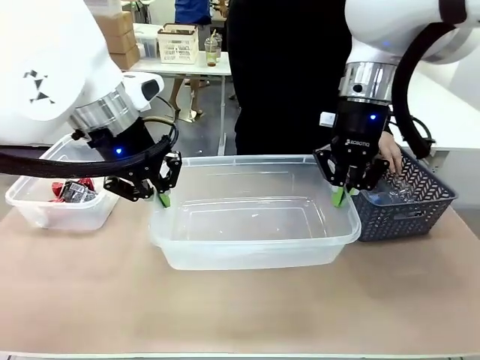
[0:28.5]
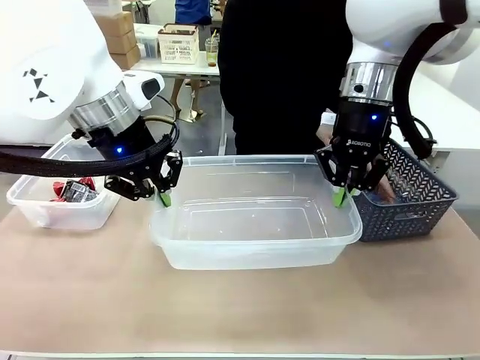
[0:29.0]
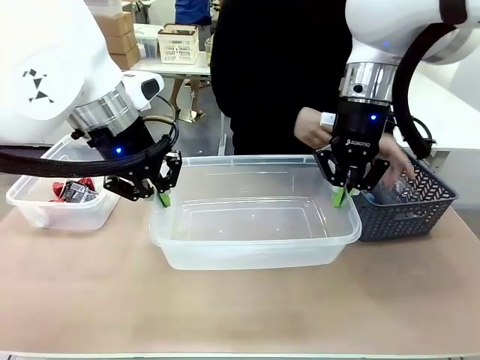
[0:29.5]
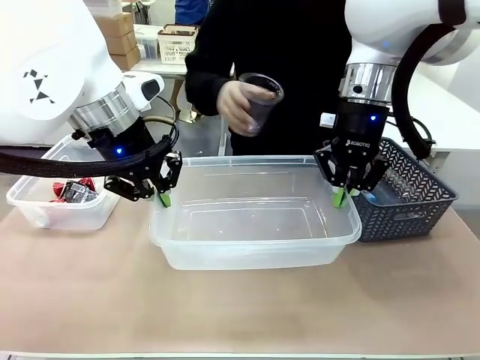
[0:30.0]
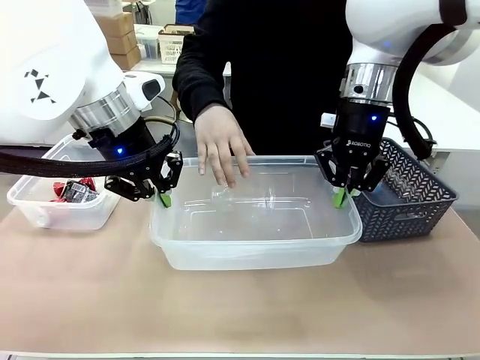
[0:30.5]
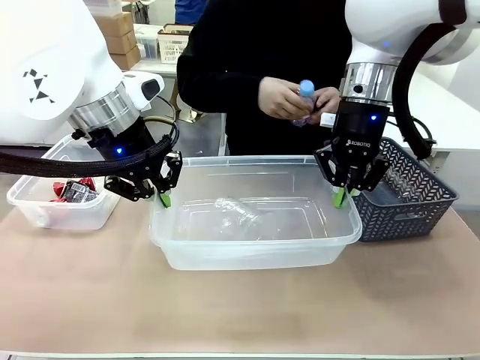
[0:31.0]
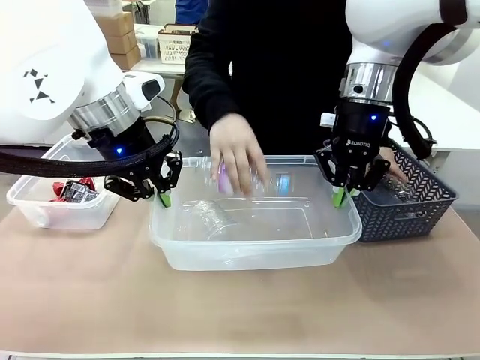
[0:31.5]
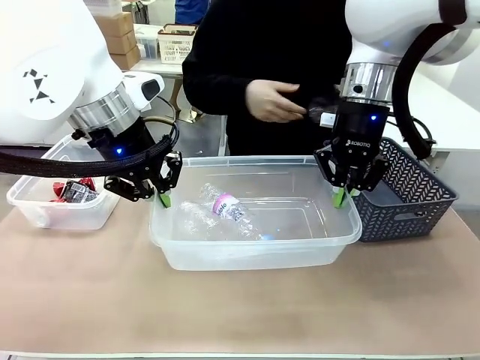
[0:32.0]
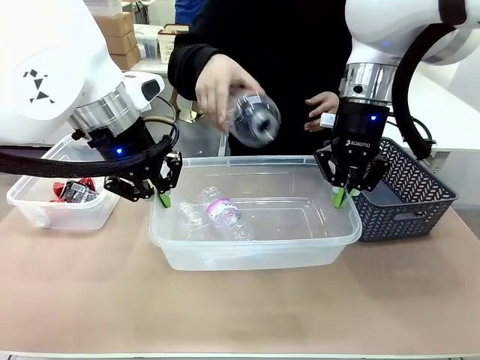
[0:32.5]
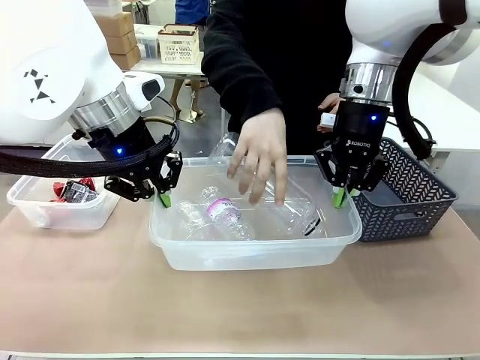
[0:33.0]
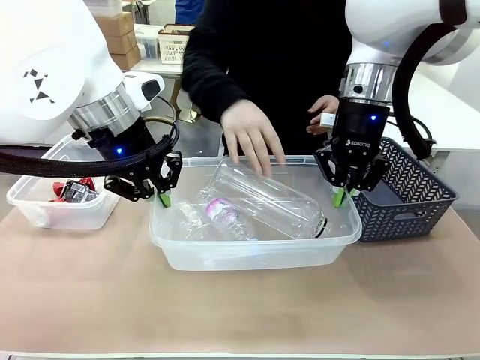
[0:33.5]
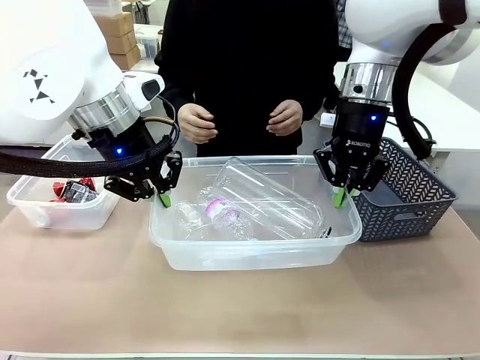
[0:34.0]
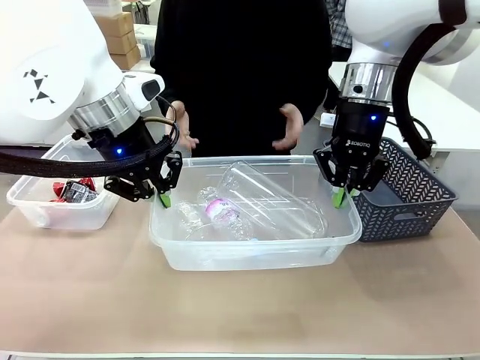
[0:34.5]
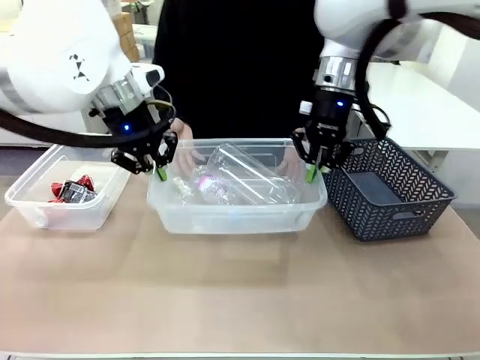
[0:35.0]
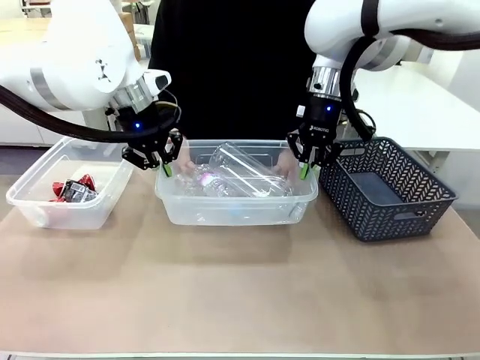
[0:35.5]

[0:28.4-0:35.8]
Robot: Offer the picked Organizing box to the human.
Person: Pick up plastic waste one by one and place it into the organizing box lifted by the robot.

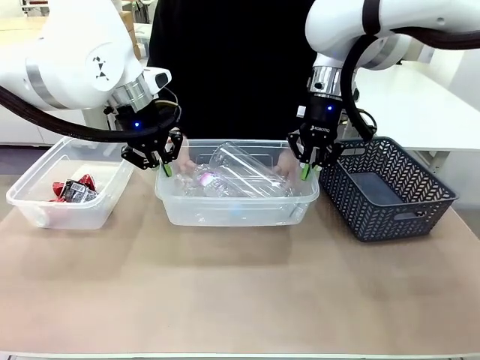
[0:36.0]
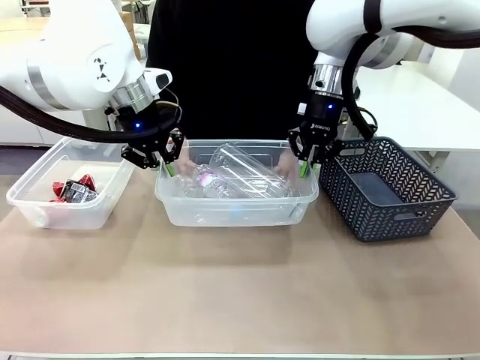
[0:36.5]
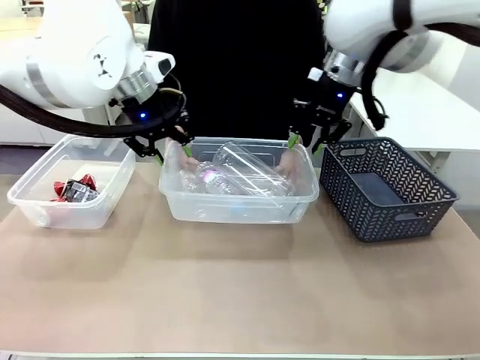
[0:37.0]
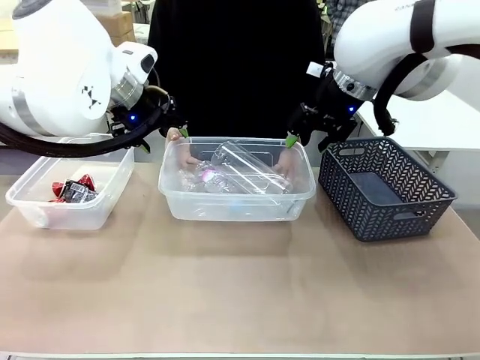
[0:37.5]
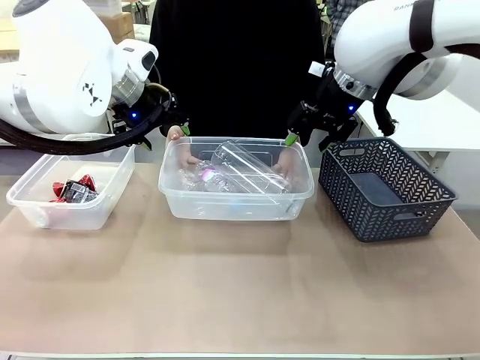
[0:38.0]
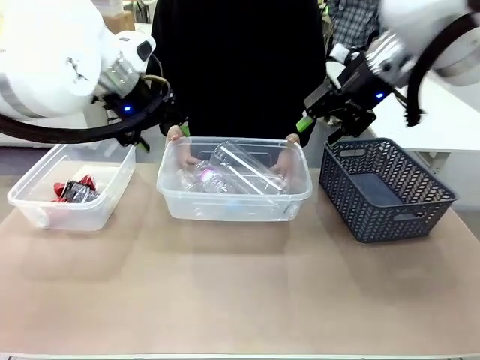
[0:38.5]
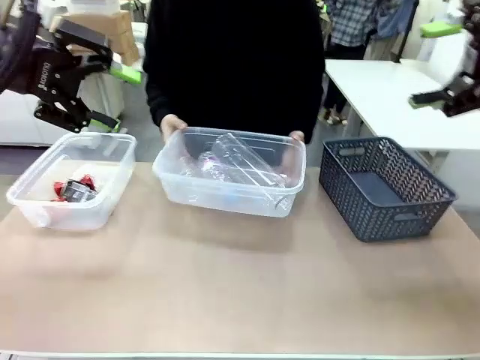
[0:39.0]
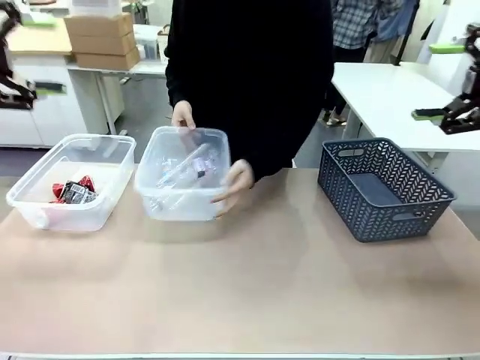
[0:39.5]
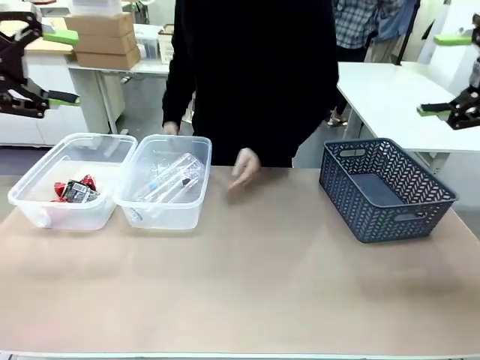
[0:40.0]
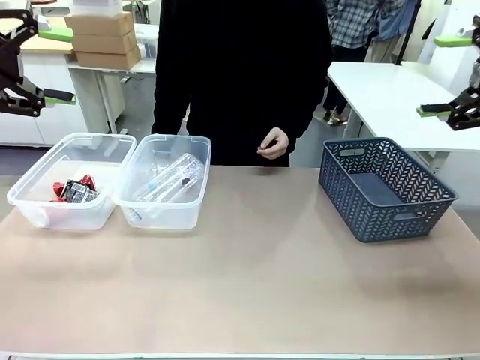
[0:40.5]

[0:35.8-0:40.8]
Robot: Release the Organizing box you were holding.
Person: Pick up the organizing box extended by the robot. Place the organizing box to the left of the sorting box containing the can waste.

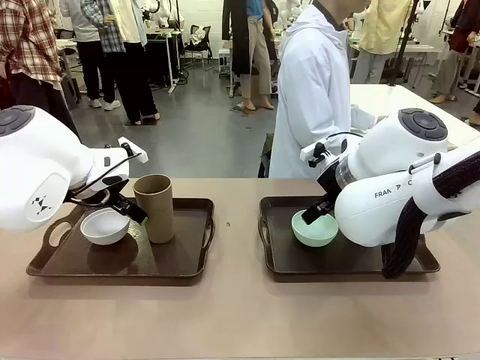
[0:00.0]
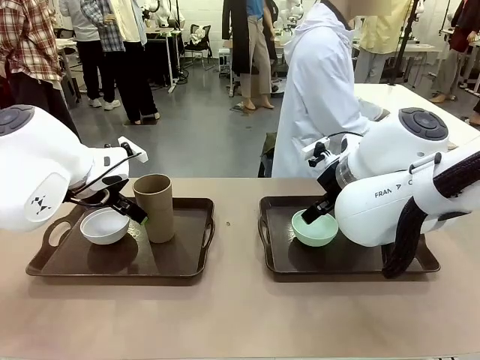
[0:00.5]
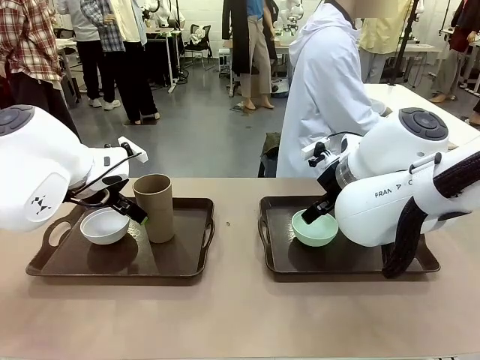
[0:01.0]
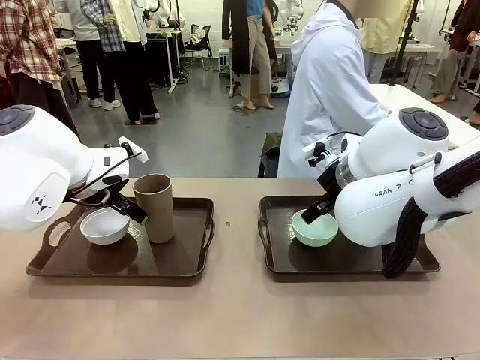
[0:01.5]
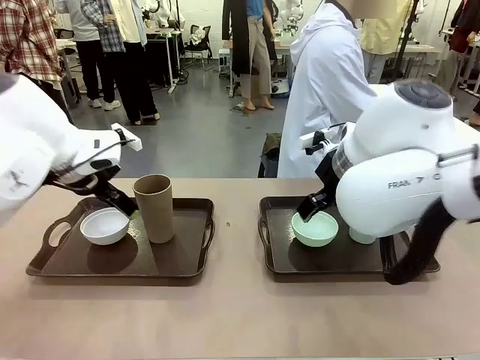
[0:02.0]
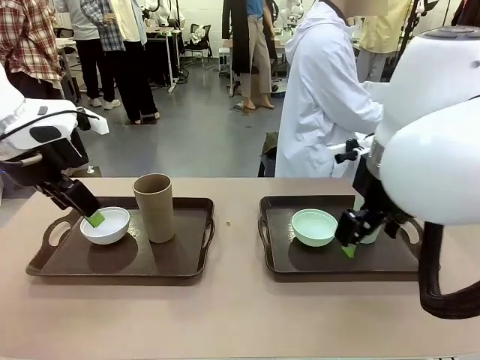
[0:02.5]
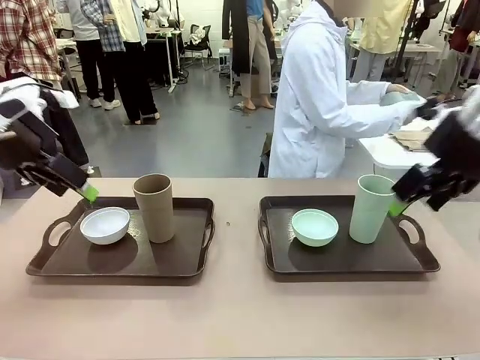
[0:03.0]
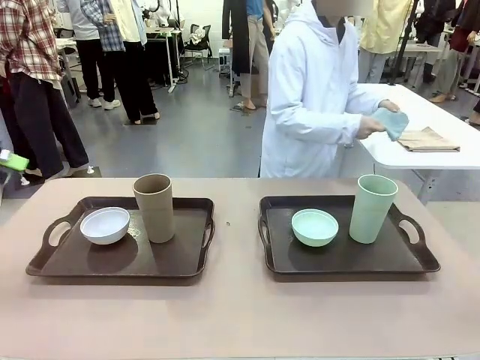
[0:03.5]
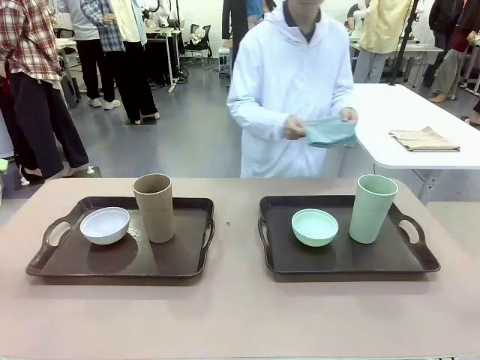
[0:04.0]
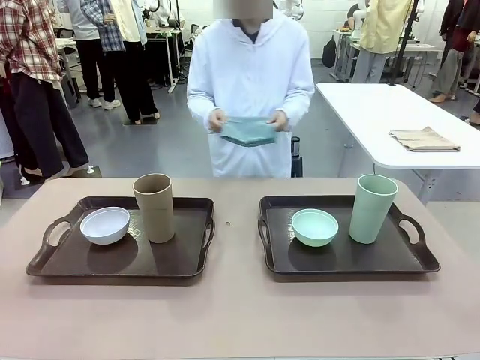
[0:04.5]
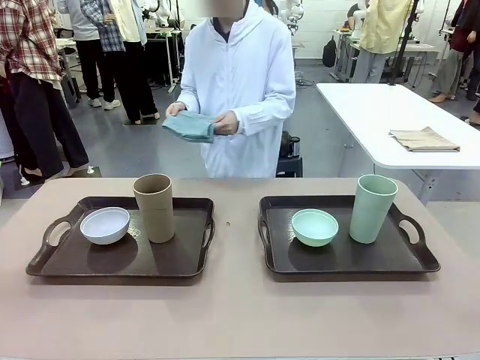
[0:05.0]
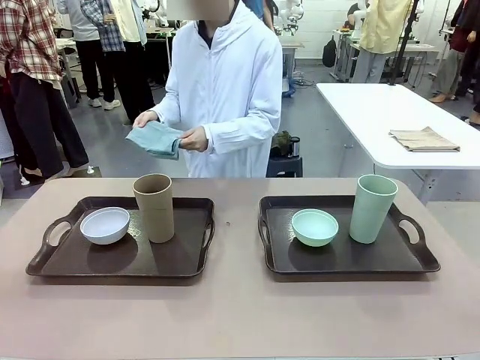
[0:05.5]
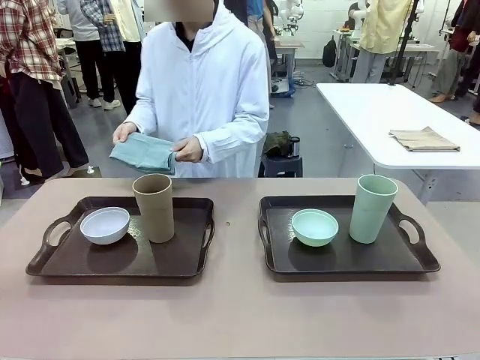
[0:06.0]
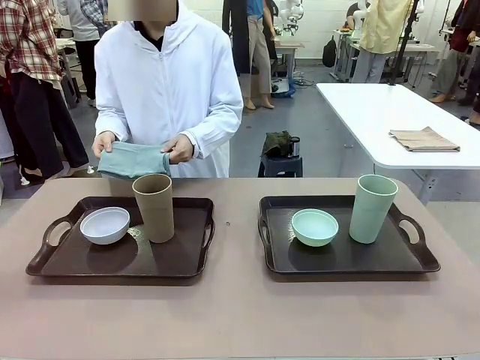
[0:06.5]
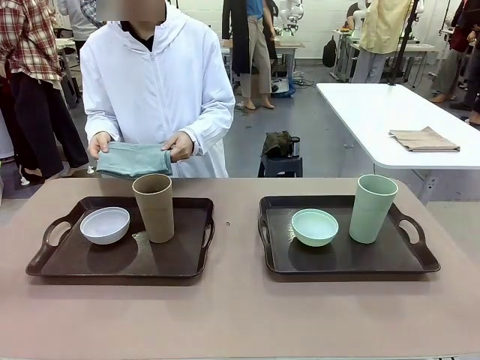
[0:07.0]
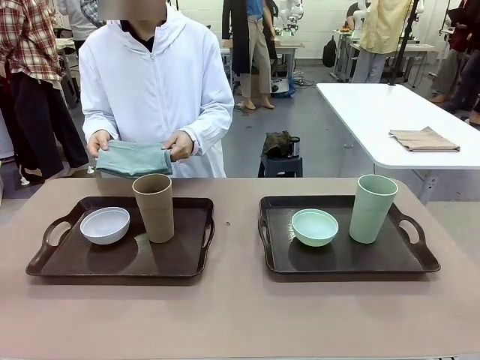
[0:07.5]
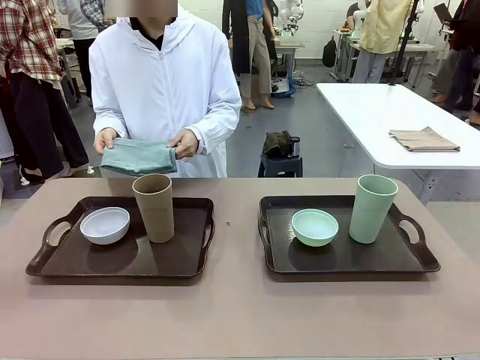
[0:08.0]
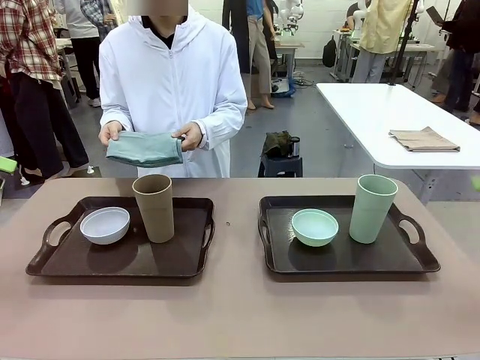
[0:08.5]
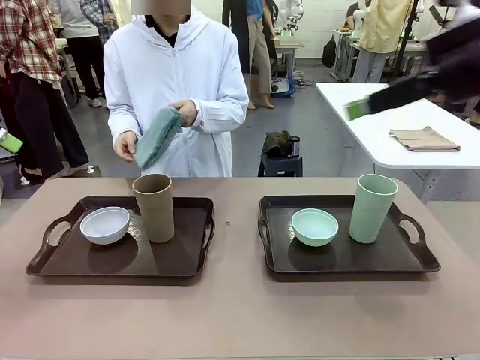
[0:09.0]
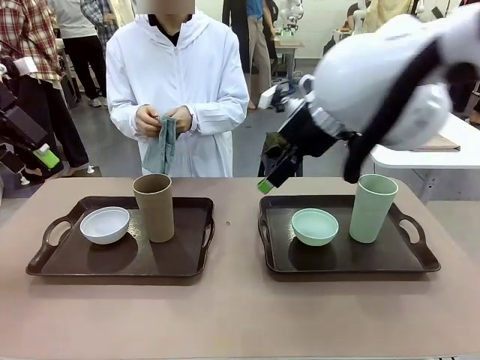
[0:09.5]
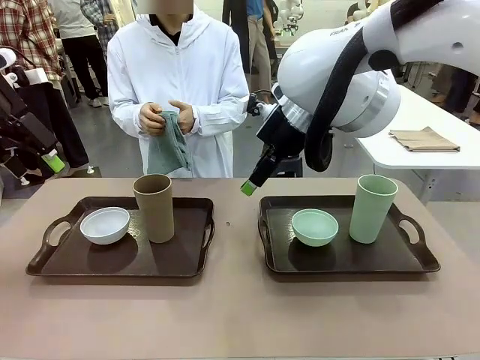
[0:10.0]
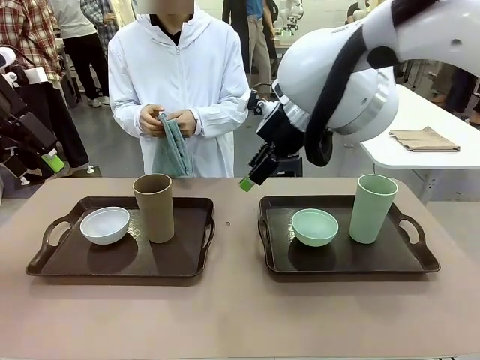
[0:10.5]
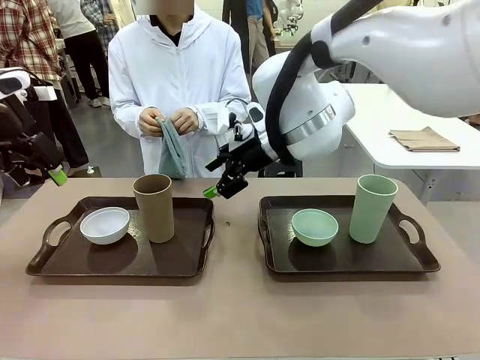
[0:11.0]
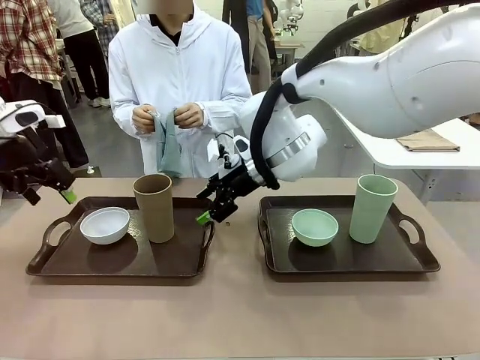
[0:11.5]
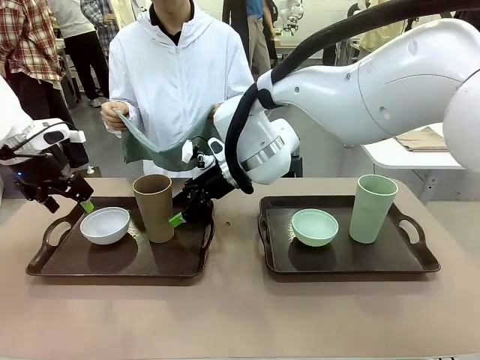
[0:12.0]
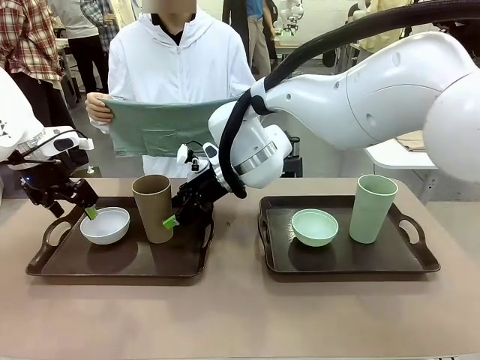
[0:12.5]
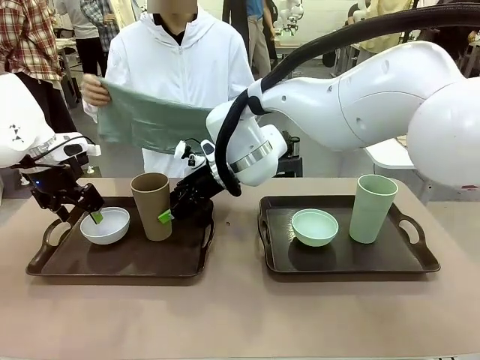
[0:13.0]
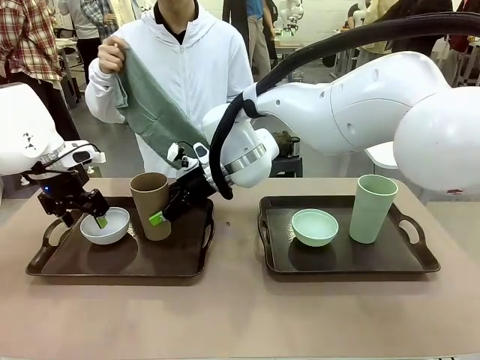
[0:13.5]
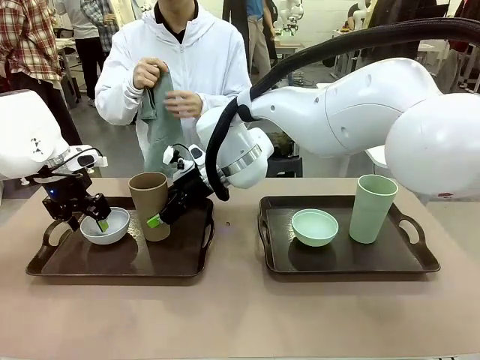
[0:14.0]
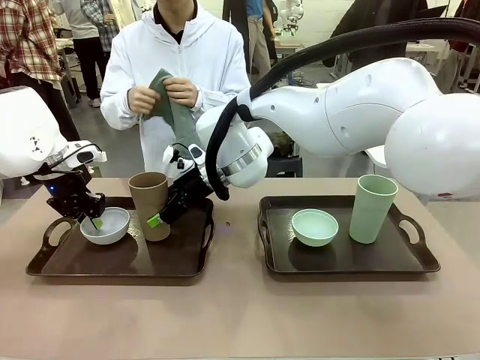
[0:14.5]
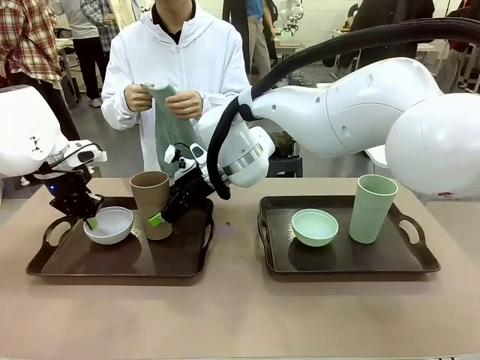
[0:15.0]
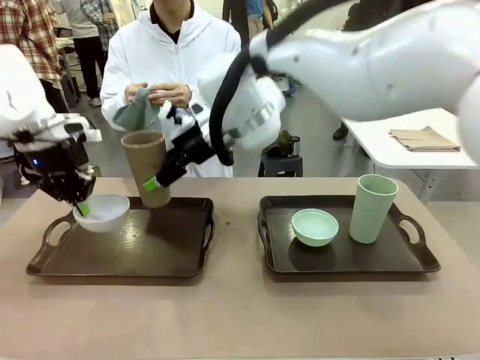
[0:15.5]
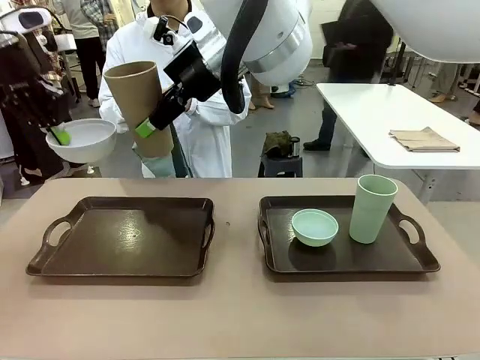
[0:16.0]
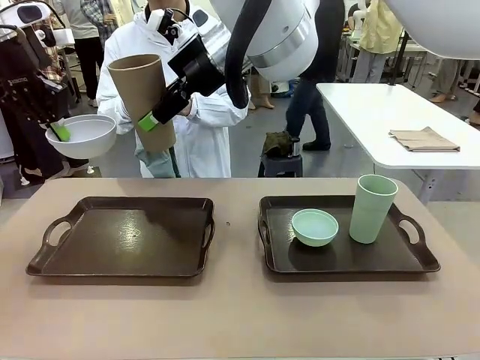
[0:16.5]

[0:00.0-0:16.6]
Robot: Pick up the Picnic Bowl and Reusable plastic cup from the Handle tray in front of the human's position and hold them in the air.
Person: The human picks up the top napkin from the stack on the human table and walks to the robot table to stand in front of one of the two trays. When the robot lifts the bowl and the cup, the human unfolds the napkin and lays the napkin flat on the tray.
